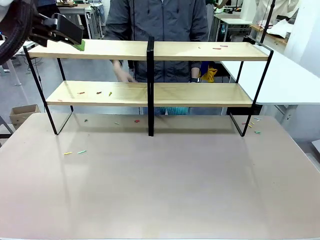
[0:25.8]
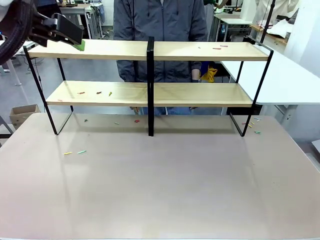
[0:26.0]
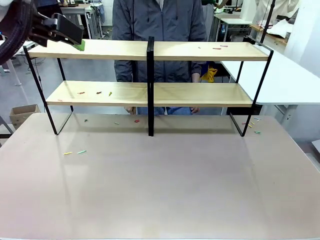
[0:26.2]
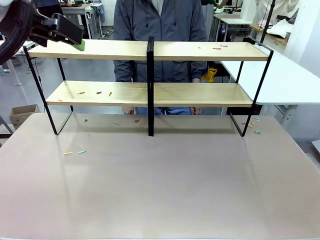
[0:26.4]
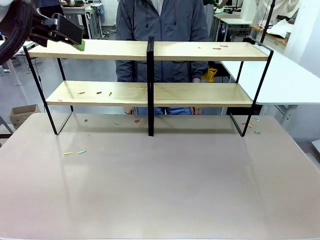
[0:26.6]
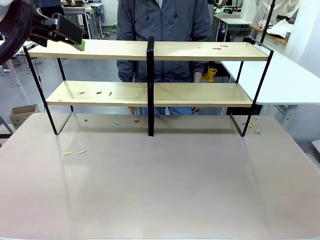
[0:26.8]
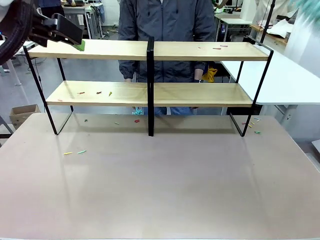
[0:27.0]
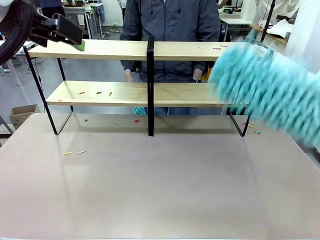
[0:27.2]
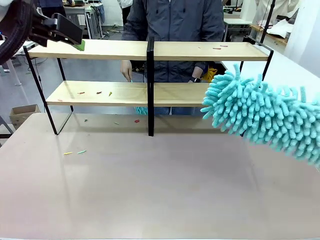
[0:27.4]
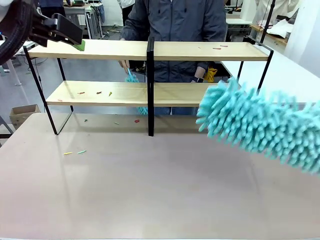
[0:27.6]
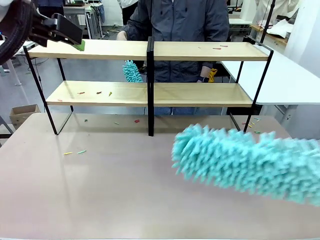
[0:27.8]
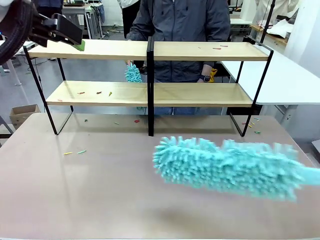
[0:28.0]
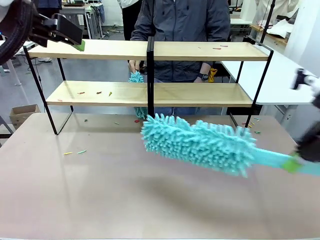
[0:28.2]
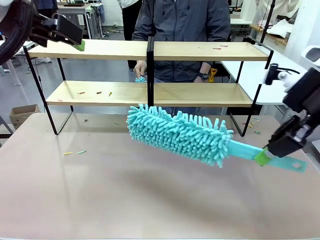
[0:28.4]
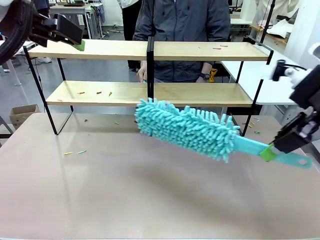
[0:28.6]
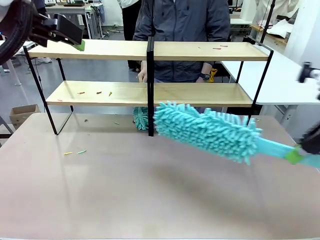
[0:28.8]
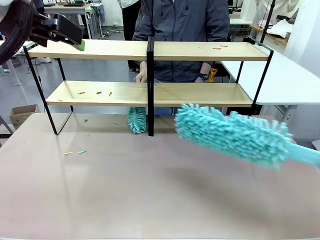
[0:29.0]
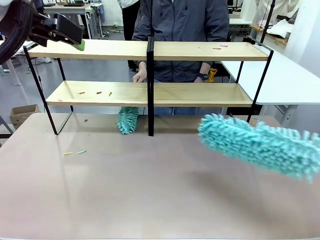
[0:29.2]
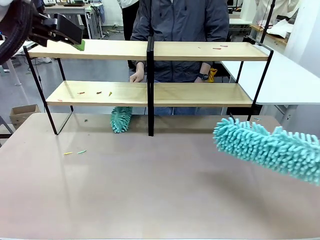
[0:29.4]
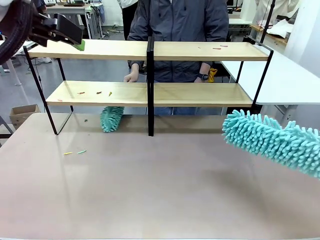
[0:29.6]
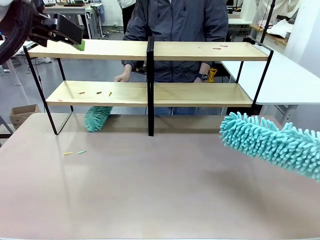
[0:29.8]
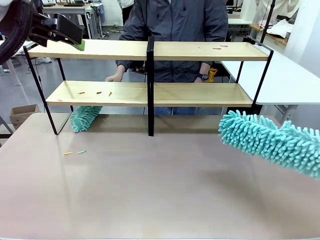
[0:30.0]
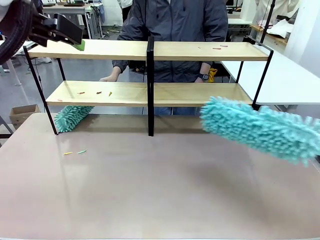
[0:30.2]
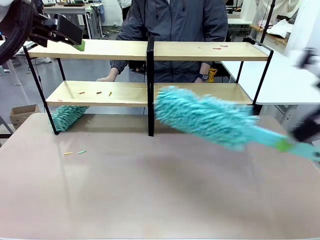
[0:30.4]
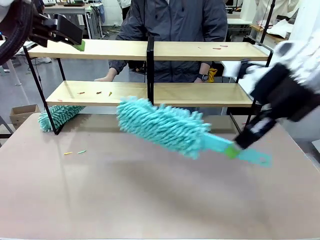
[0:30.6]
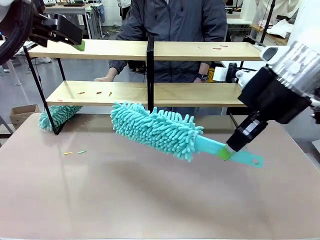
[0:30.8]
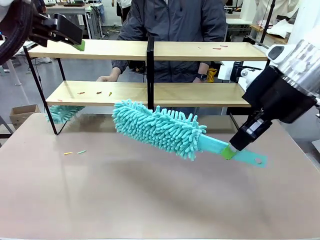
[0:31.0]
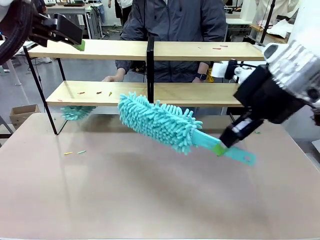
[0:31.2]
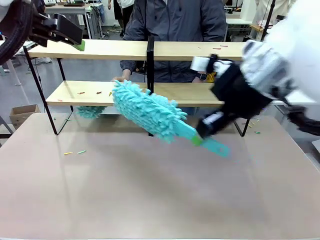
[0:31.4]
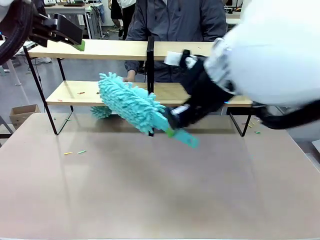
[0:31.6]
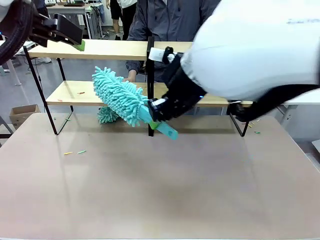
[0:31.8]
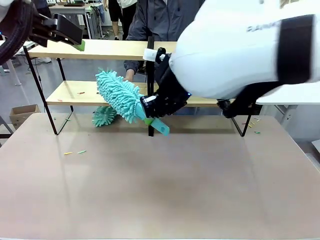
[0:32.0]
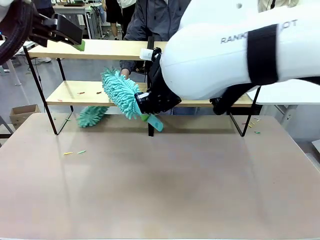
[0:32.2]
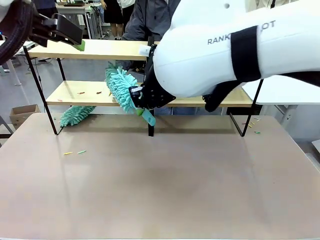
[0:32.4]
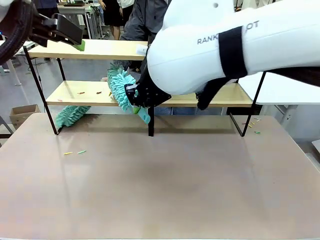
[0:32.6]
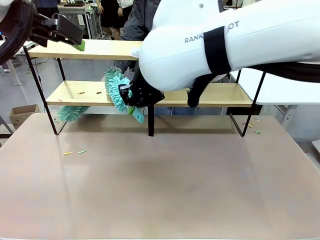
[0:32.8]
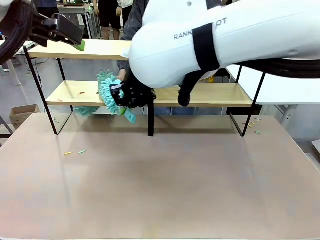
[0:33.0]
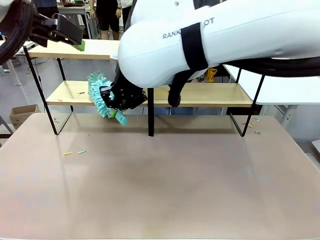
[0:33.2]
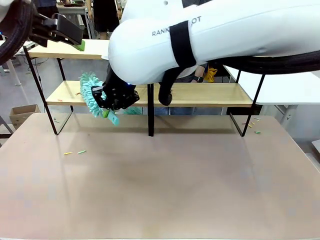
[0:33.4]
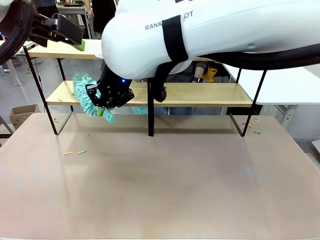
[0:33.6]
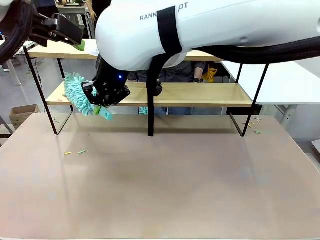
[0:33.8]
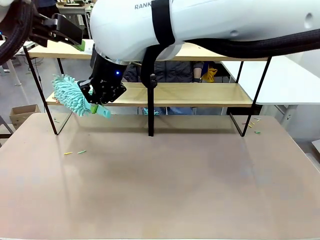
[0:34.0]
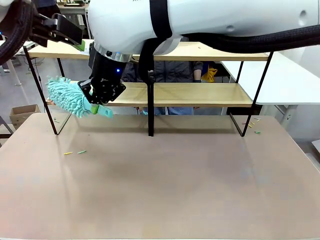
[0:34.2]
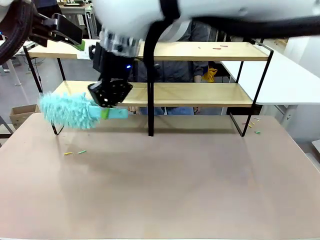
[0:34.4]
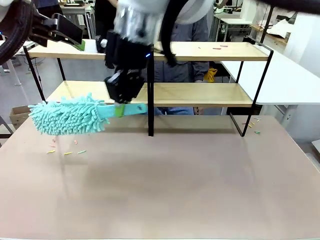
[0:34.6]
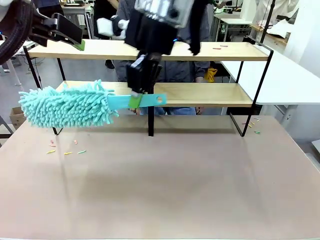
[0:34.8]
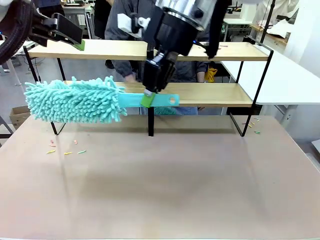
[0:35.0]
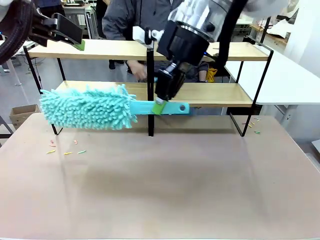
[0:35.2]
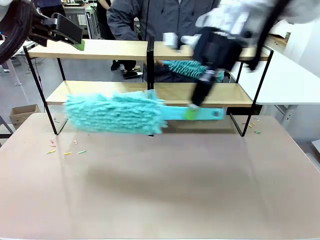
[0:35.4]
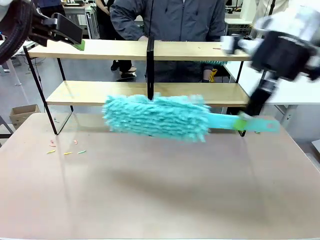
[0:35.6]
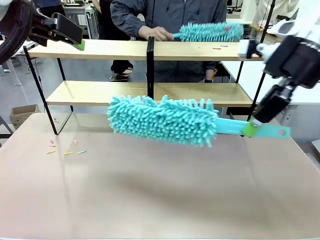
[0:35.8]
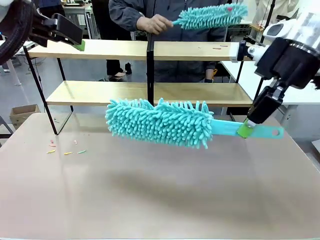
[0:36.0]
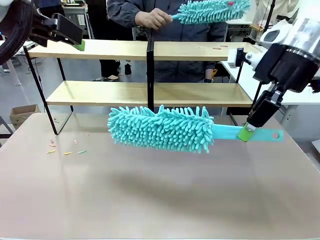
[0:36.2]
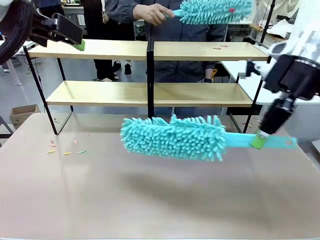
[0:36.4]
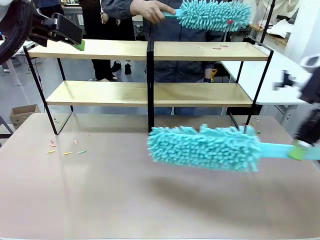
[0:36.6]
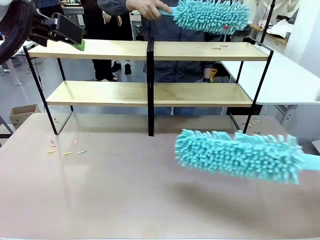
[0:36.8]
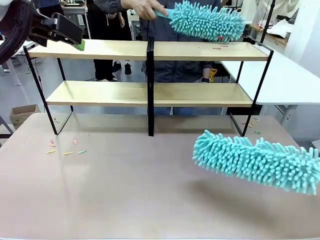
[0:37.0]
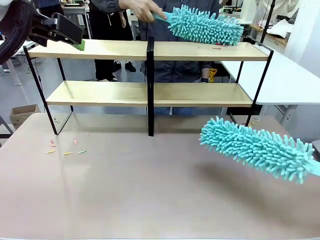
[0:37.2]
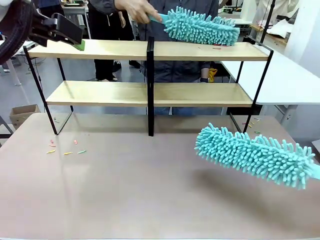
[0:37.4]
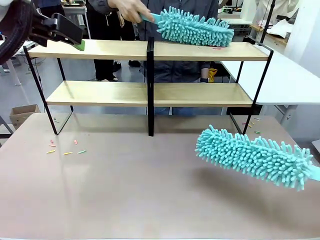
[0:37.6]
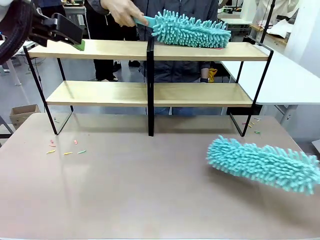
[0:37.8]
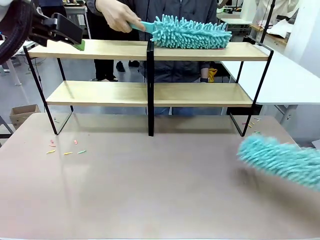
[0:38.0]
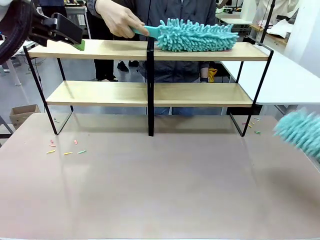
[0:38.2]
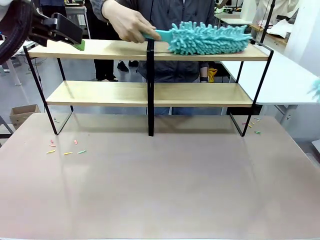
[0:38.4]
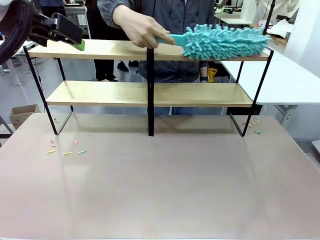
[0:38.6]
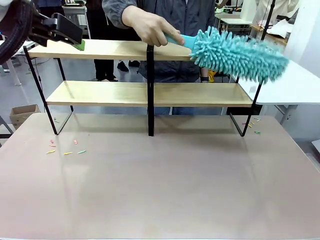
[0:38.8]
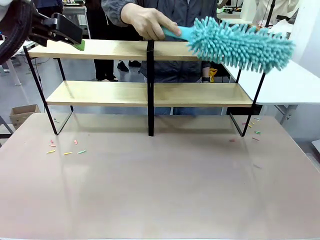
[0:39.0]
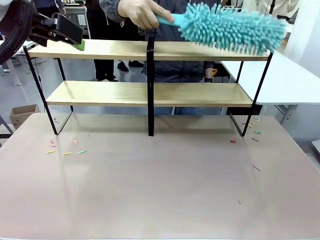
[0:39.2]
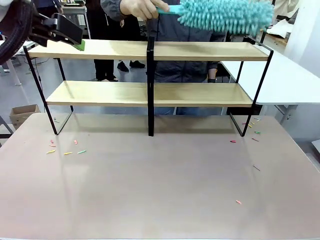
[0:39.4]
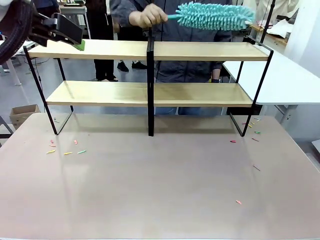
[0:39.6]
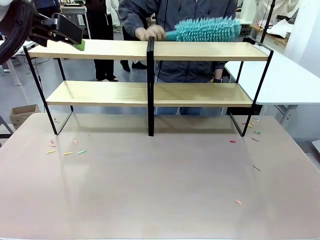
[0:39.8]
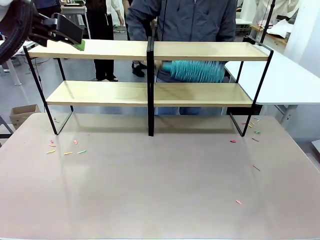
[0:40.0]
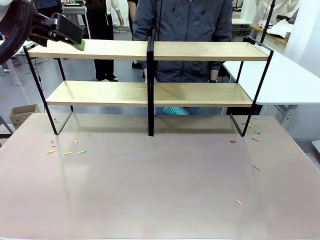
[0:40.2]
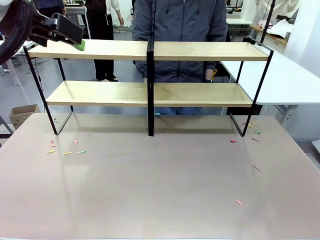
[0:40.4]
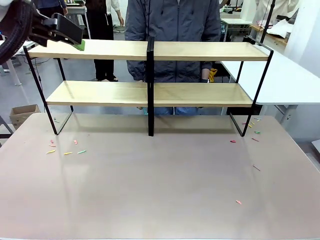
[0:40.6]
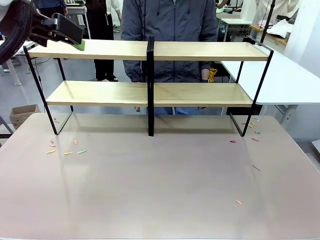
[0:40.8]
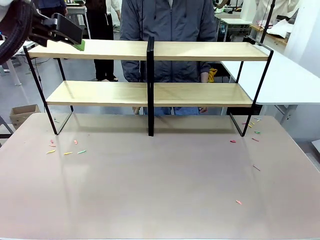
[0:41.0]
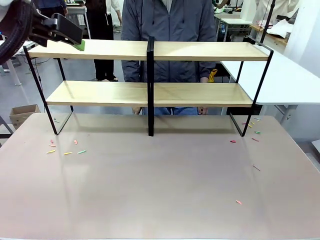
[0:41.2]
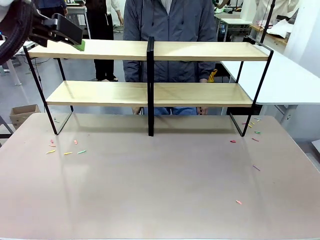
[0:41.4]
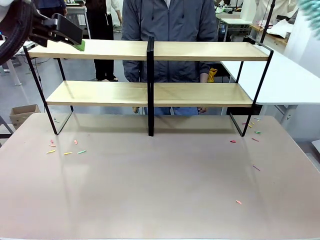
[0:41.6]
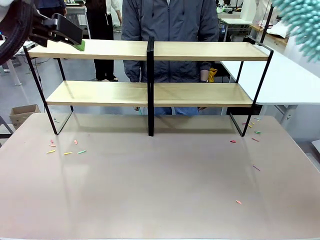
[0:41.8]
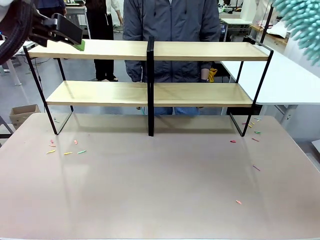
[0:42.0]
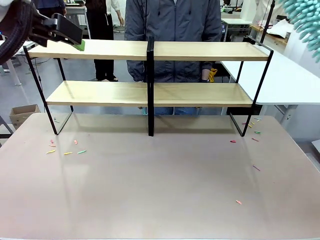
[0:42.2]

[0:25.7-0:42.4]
Task: Clean the shelves.
Robot: Clean another randomly selected level of the Shelf with the Duster.
Person: Clean a randomly selected level of the Shelf with the Duster.

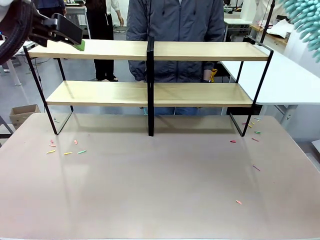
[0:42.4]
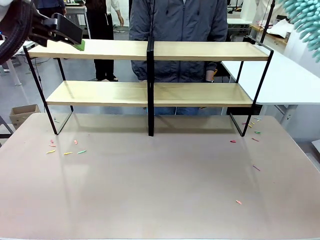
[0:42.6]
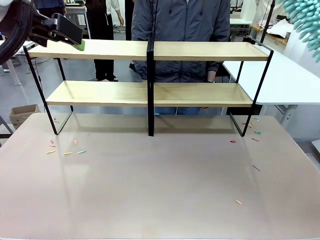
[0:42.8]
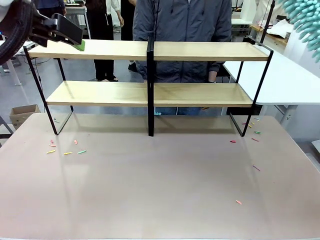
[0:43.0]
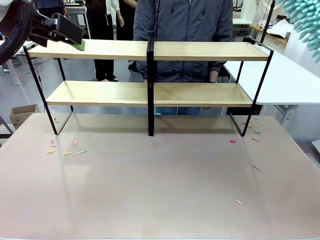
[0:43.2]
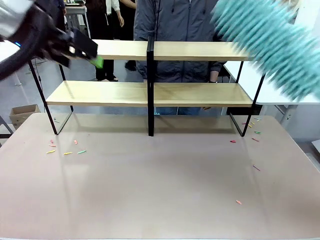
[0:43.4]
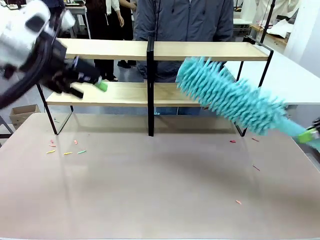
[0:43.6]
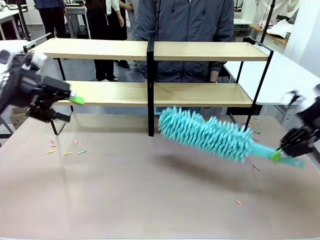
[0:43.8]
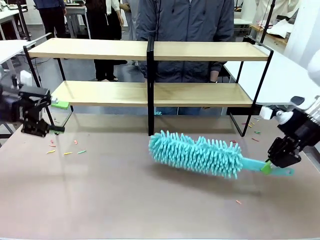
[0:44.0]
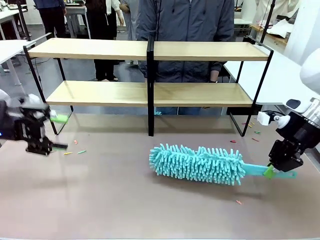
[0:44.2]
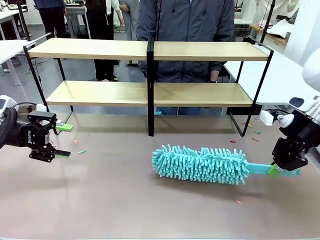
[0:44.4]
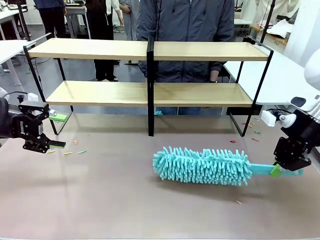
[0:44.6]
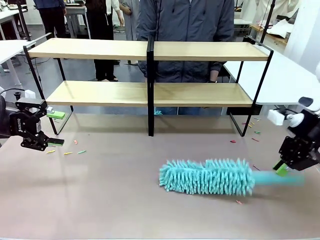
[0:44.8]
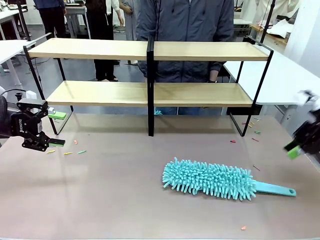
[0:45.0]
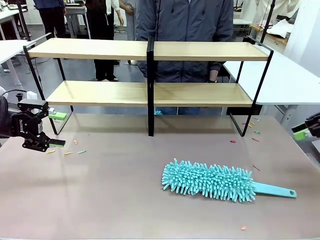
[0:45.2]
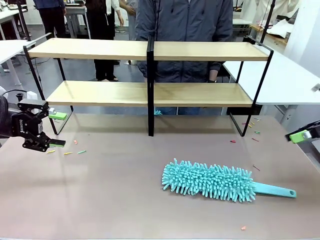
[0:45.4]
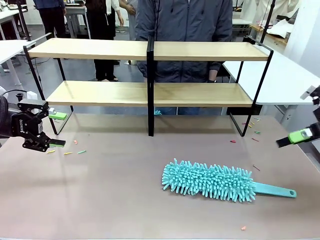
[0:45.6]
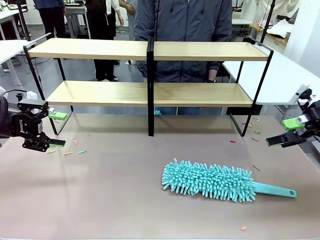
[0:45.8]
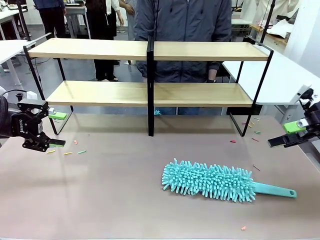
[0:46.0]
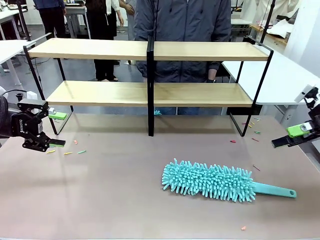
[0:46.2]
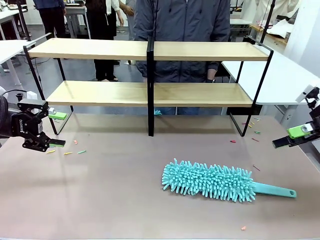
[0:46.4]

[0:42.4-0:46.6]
Robot: Place the Duster on the table.
